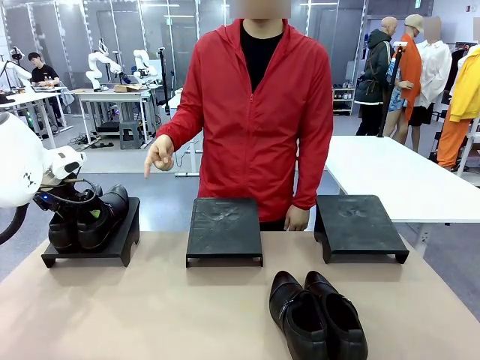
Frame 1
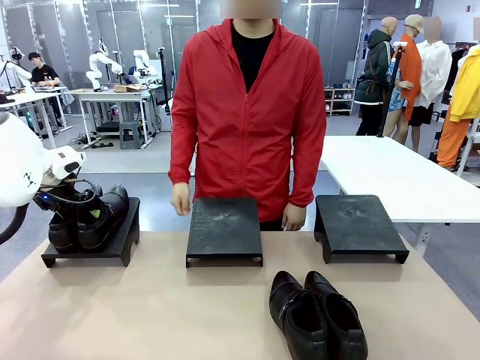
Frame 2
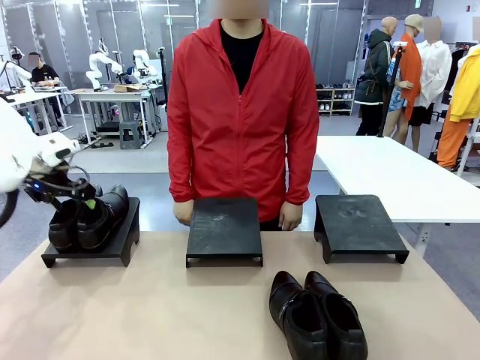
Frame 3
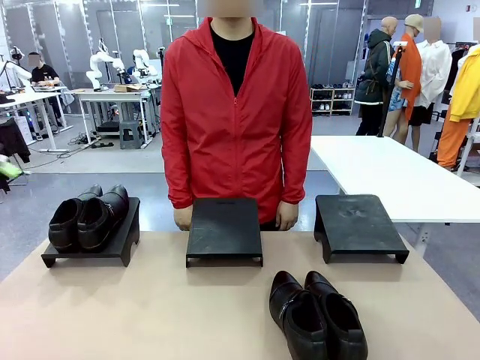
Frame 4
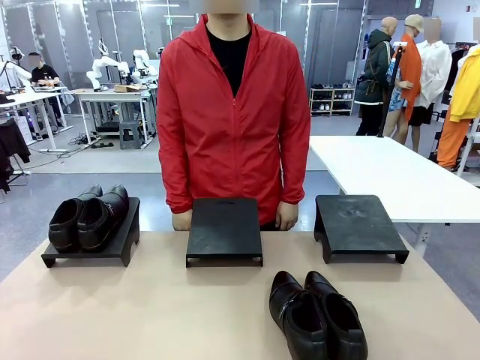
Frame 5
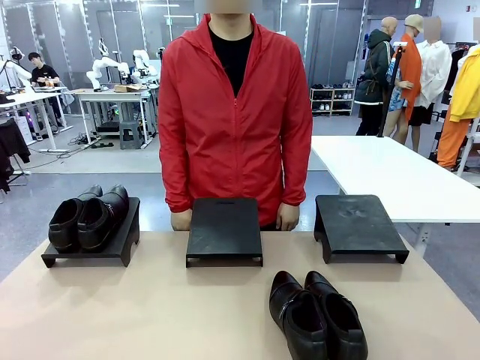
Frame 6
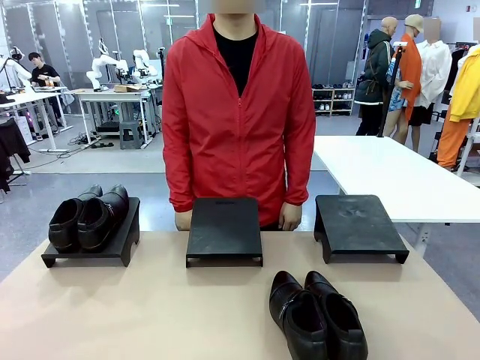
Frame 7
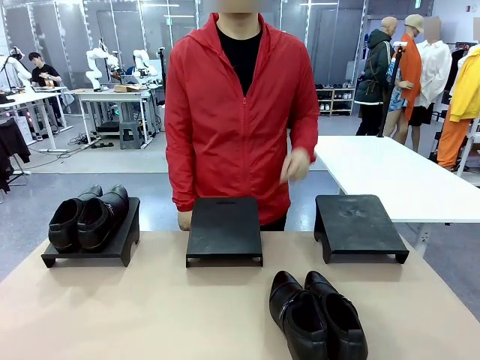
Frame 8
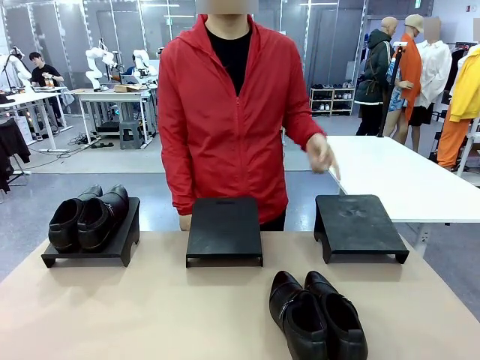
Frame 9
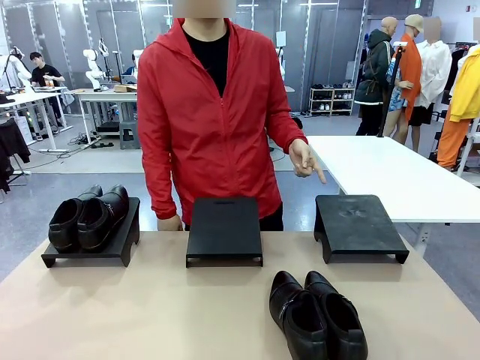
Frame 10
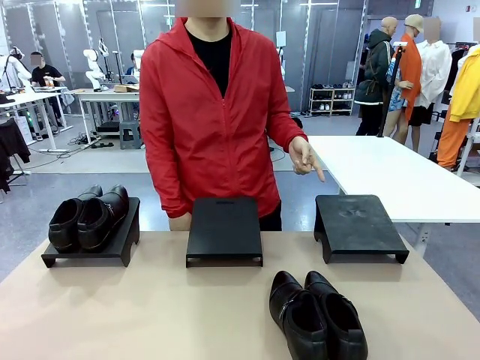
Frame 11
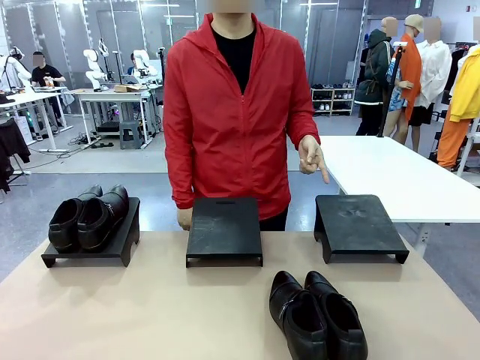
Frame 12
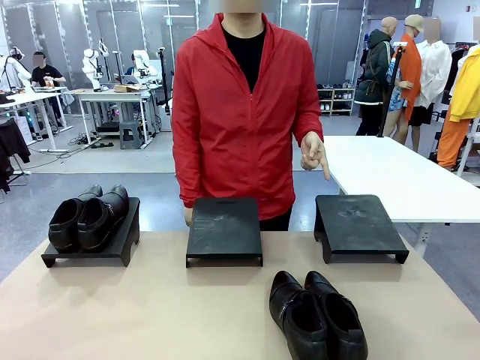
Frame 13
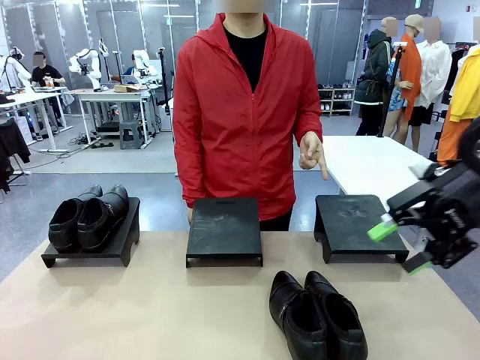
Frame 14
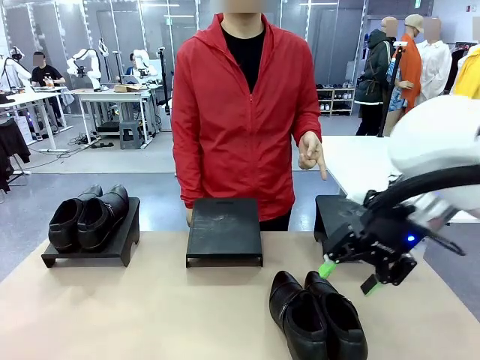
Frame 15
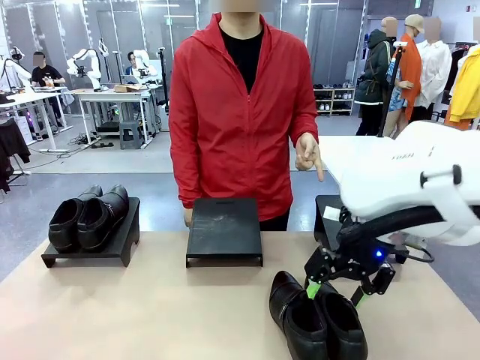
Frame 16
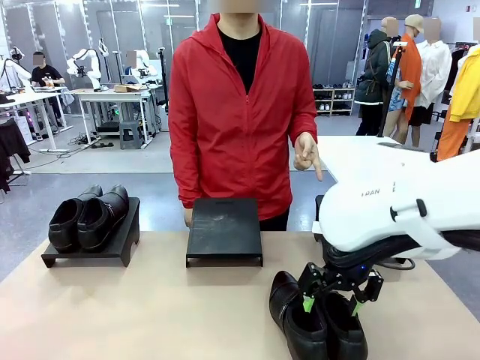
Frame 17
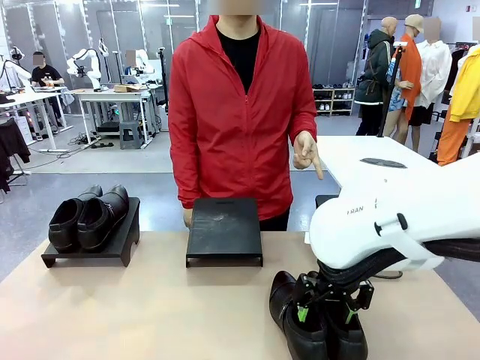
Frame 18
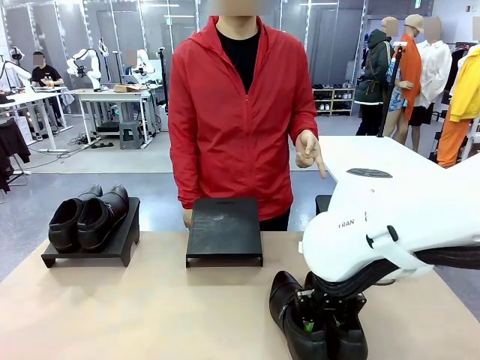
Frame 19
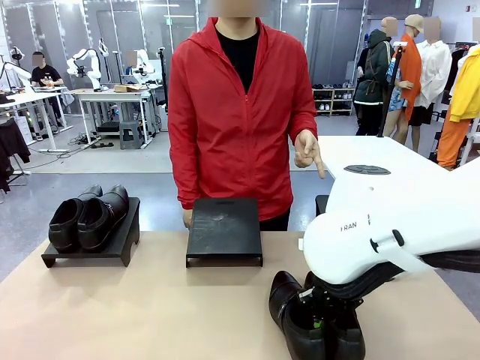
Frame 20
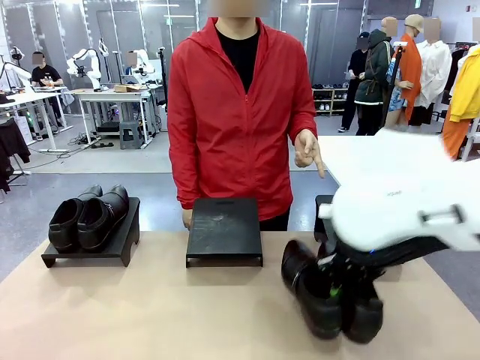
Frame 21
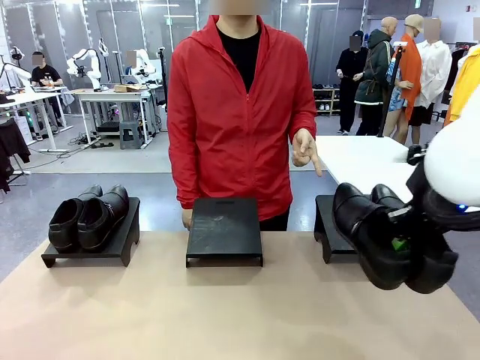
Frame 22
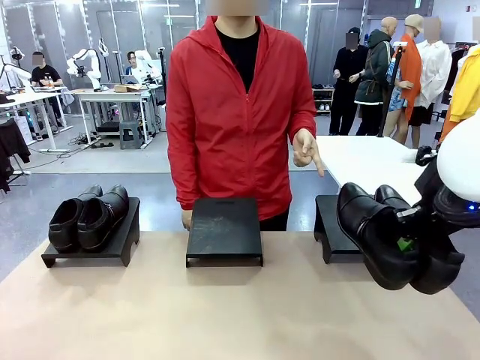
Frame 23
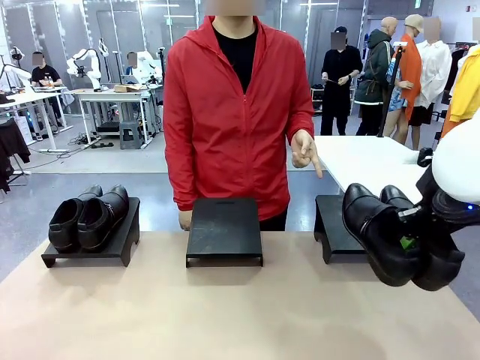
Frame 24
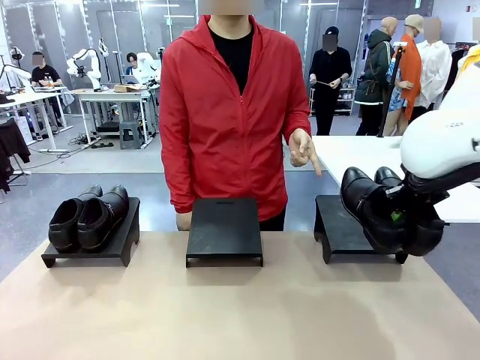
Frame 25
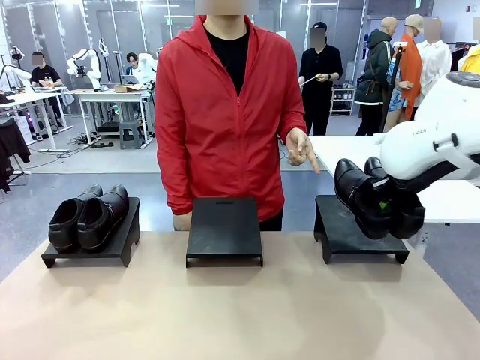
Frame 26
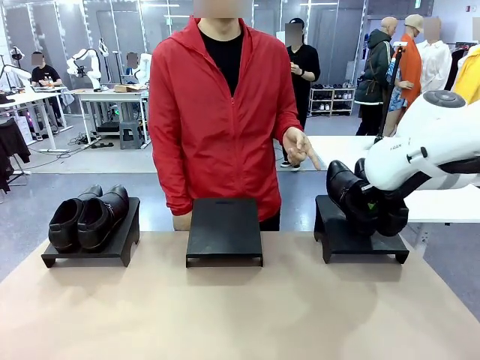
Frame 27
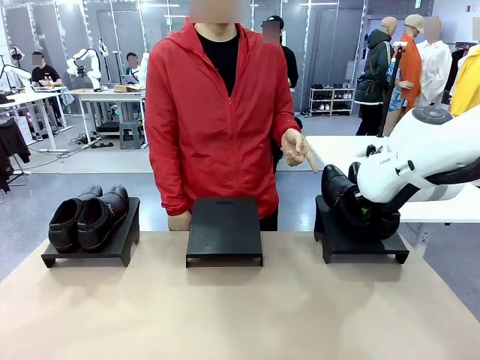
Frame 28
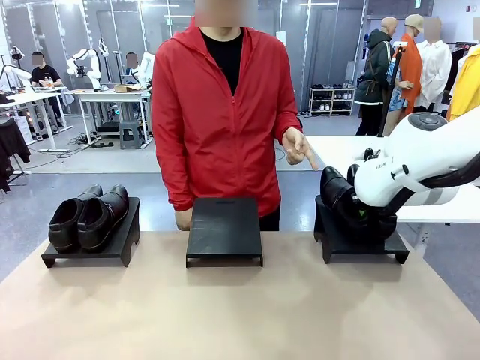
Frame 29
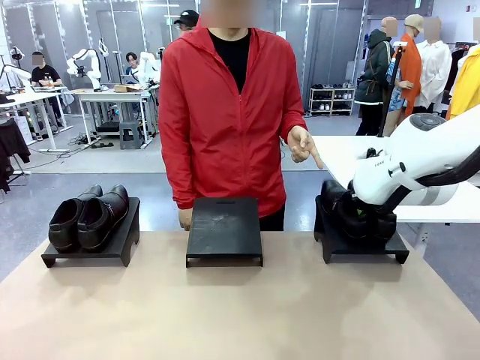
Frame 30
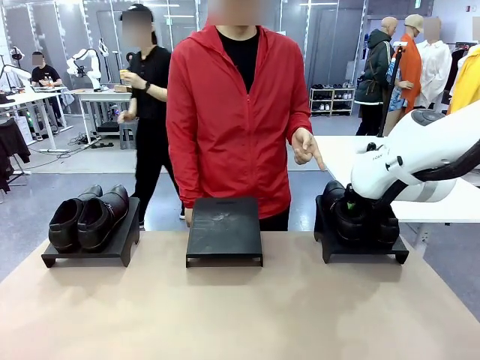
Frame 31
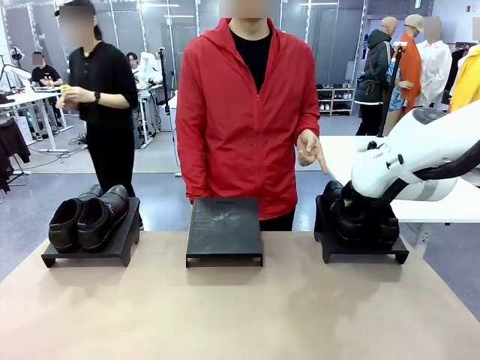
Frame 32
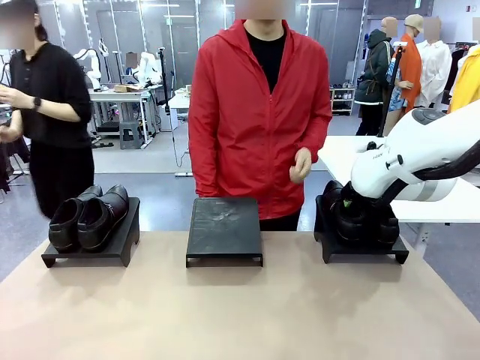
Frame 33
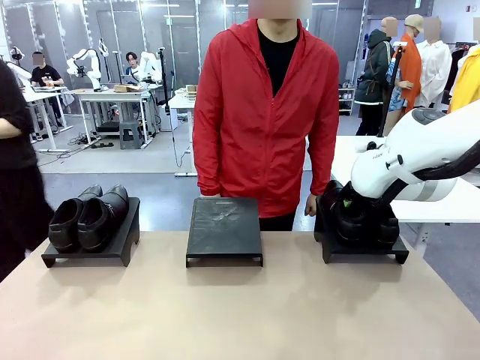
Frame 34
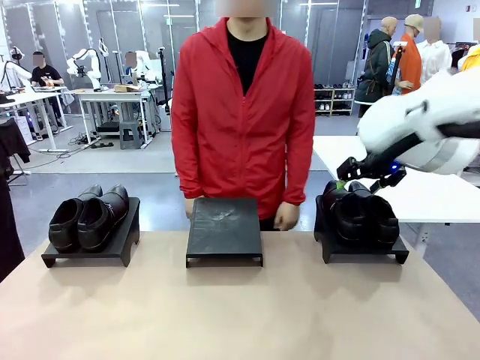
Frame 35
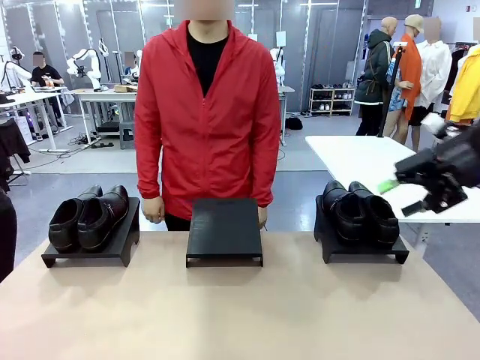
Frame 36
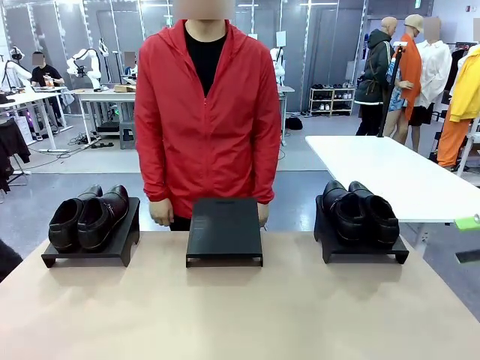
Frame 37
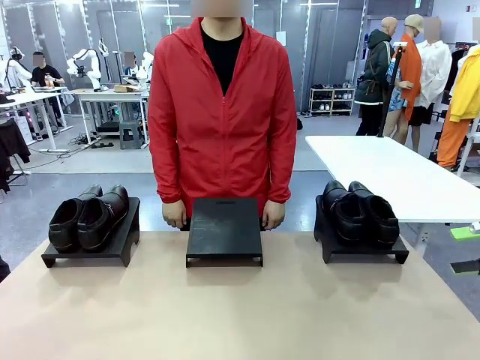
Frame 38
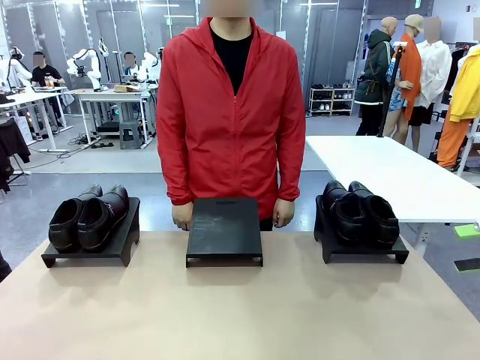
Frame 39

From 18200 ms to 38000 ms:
Task: Place the shoes on the stand as instructed by the person.
Robot: Pick up another pair of Shoes and place it on the Shoes Stand indicated by the person.
Person: Point to one Shoes Stand.
